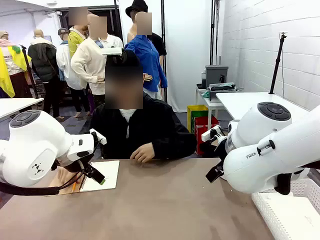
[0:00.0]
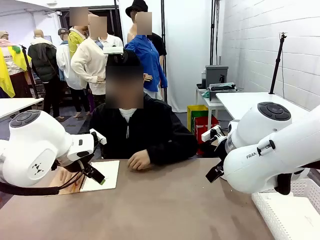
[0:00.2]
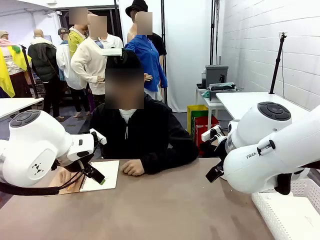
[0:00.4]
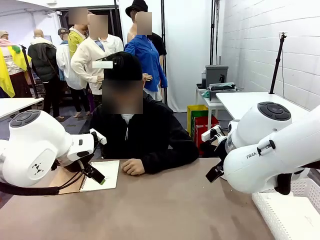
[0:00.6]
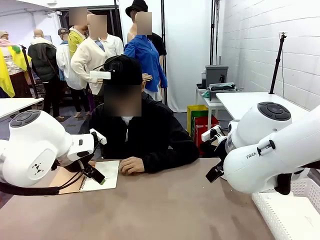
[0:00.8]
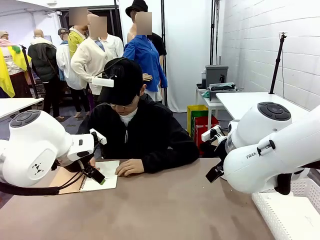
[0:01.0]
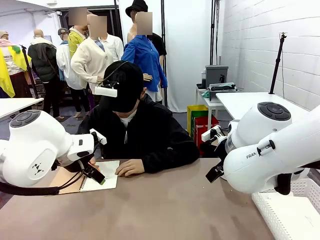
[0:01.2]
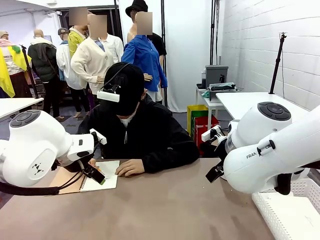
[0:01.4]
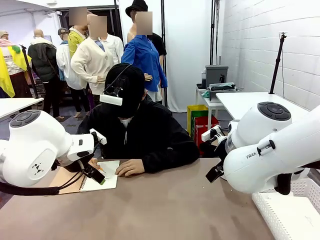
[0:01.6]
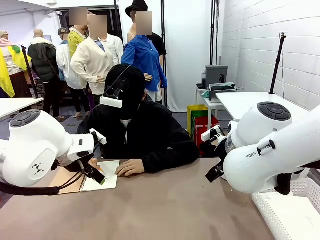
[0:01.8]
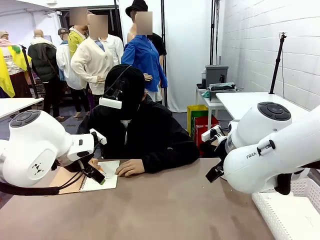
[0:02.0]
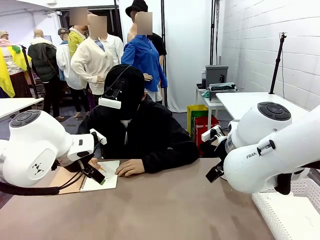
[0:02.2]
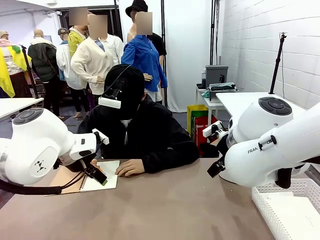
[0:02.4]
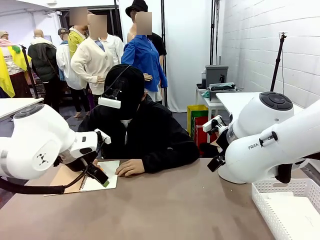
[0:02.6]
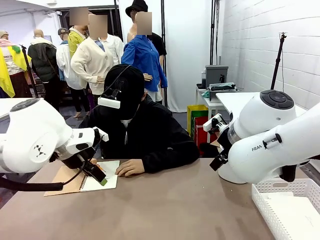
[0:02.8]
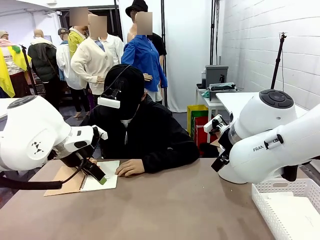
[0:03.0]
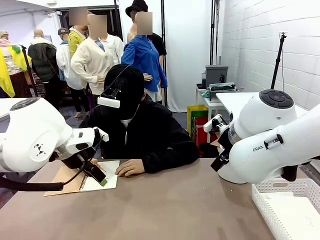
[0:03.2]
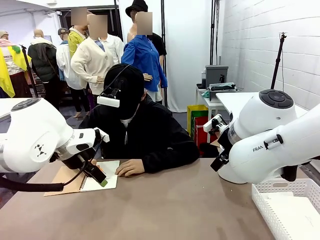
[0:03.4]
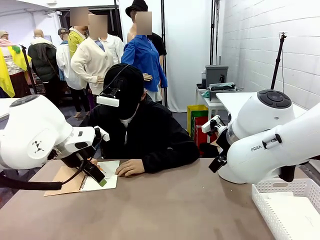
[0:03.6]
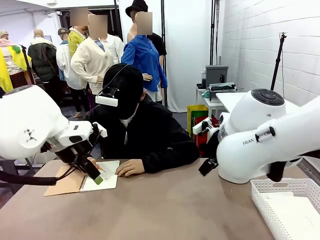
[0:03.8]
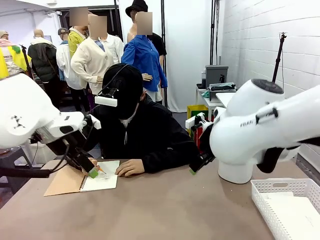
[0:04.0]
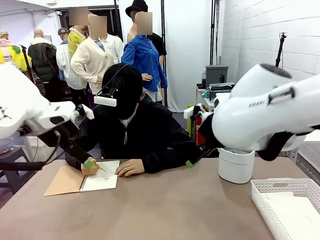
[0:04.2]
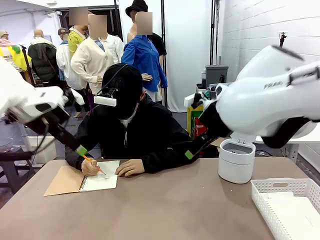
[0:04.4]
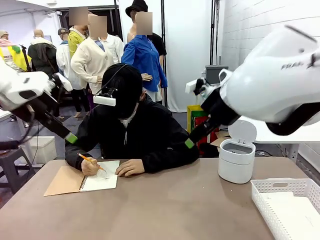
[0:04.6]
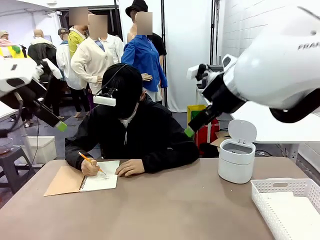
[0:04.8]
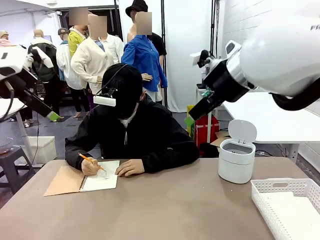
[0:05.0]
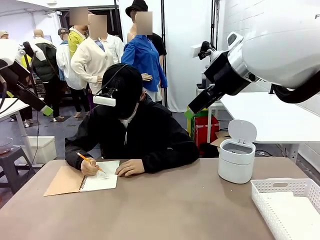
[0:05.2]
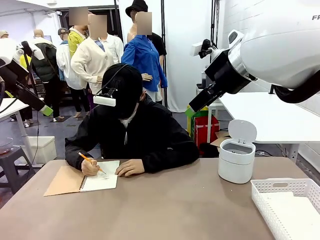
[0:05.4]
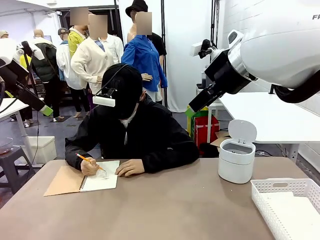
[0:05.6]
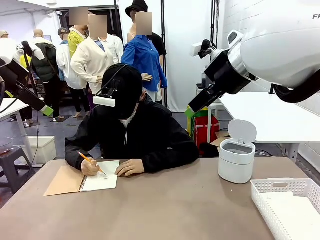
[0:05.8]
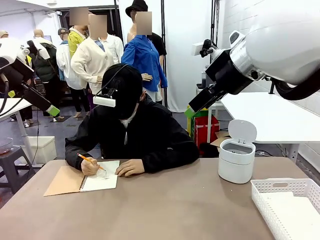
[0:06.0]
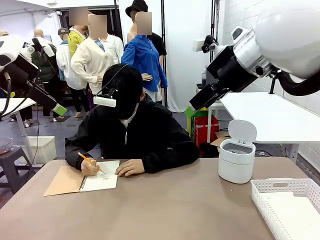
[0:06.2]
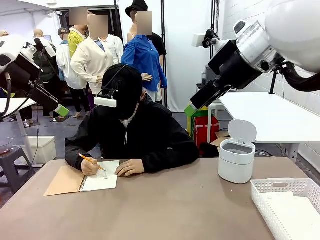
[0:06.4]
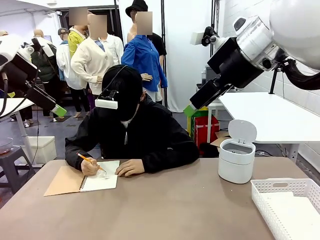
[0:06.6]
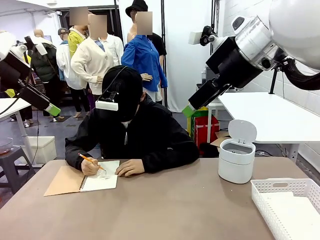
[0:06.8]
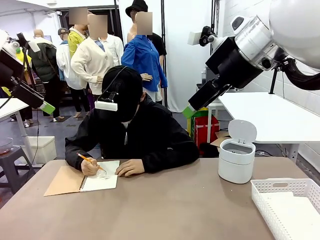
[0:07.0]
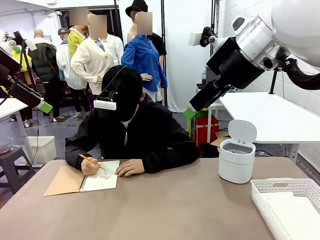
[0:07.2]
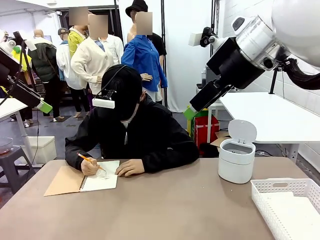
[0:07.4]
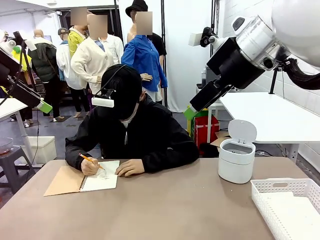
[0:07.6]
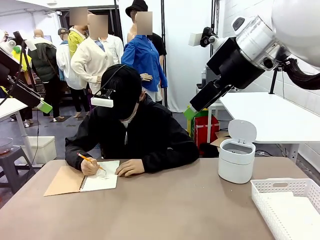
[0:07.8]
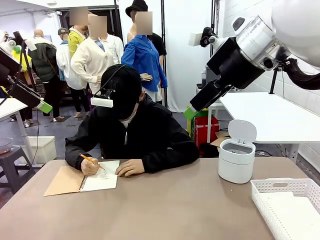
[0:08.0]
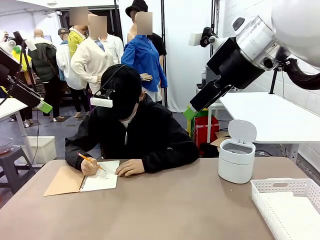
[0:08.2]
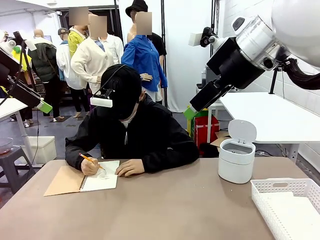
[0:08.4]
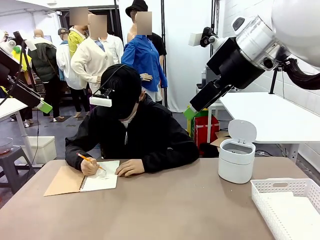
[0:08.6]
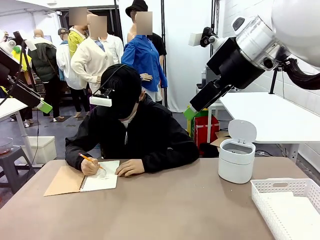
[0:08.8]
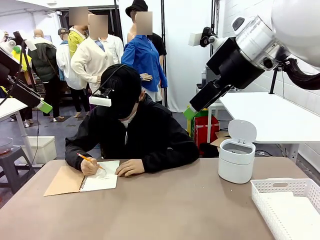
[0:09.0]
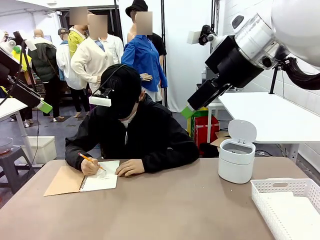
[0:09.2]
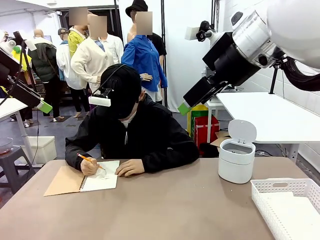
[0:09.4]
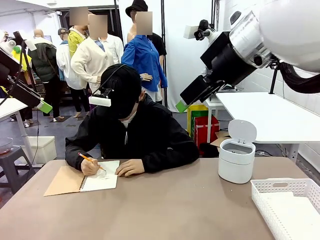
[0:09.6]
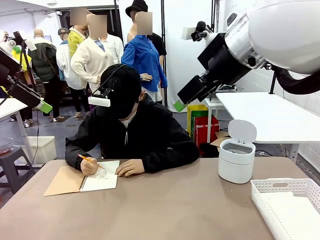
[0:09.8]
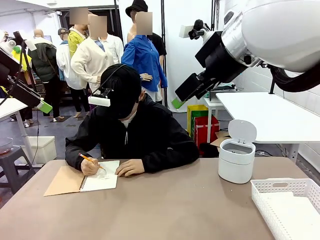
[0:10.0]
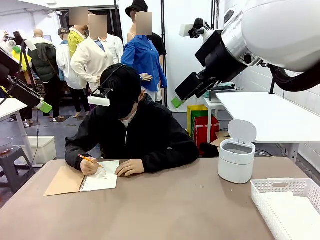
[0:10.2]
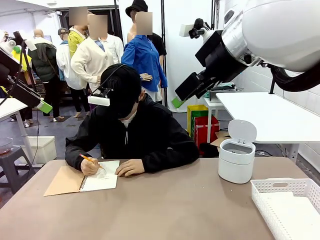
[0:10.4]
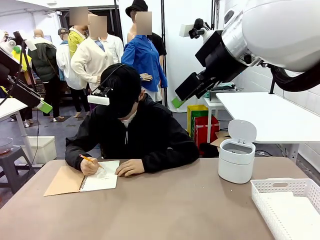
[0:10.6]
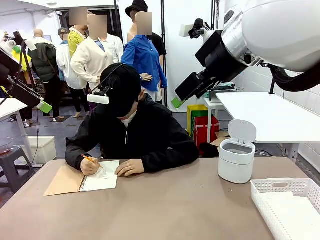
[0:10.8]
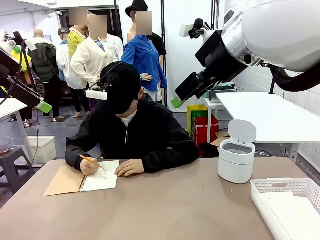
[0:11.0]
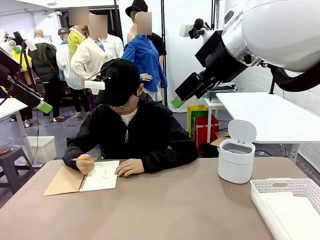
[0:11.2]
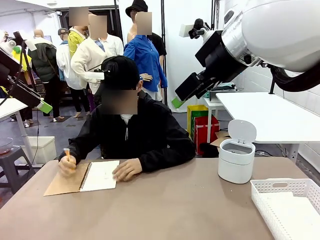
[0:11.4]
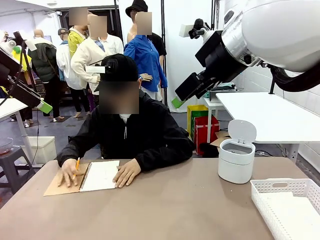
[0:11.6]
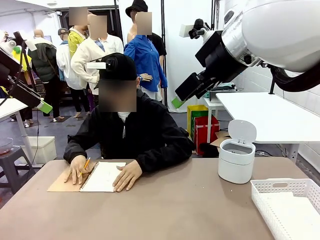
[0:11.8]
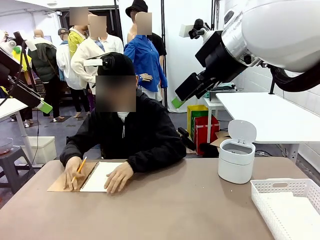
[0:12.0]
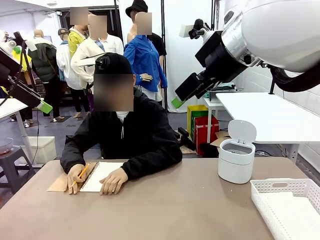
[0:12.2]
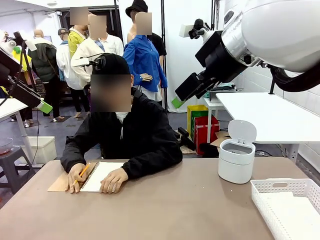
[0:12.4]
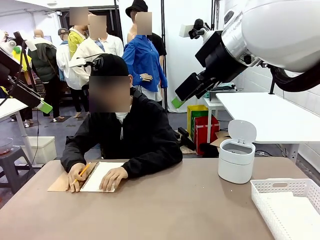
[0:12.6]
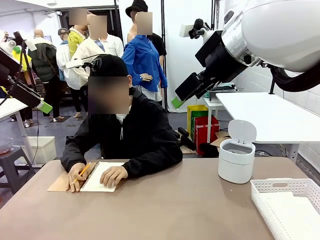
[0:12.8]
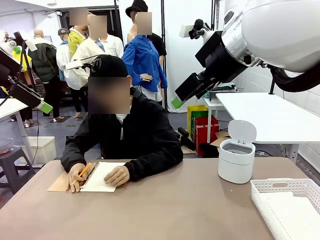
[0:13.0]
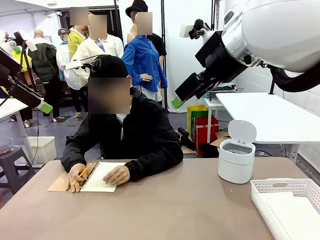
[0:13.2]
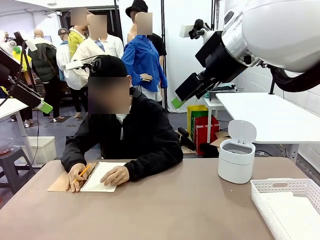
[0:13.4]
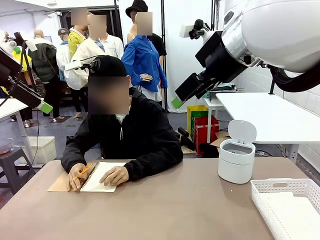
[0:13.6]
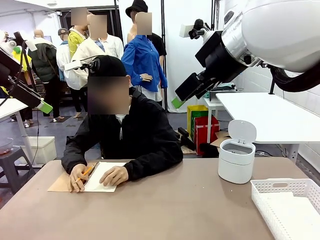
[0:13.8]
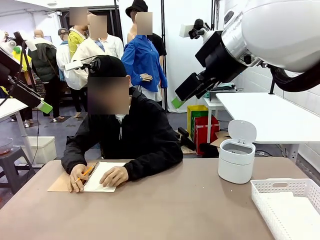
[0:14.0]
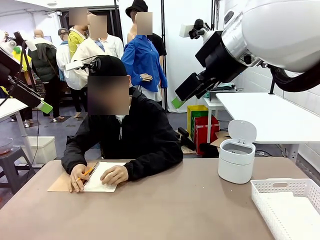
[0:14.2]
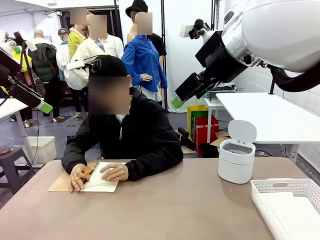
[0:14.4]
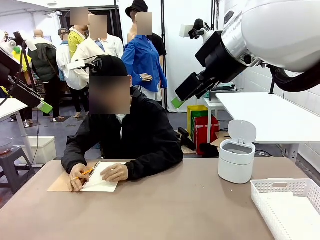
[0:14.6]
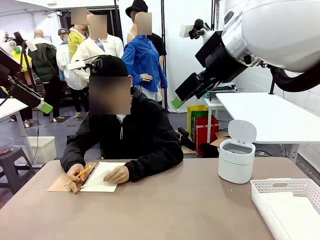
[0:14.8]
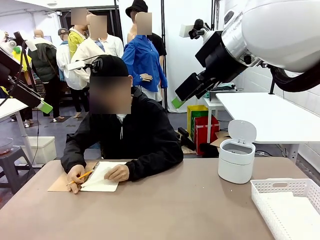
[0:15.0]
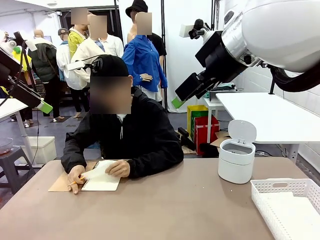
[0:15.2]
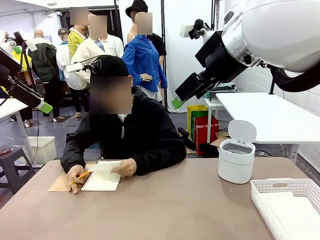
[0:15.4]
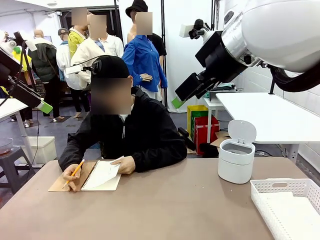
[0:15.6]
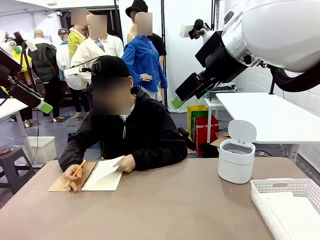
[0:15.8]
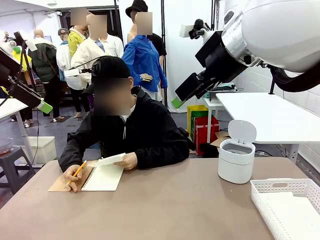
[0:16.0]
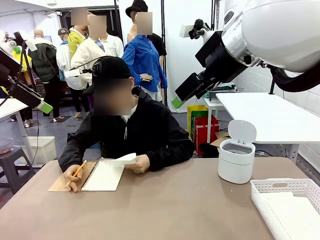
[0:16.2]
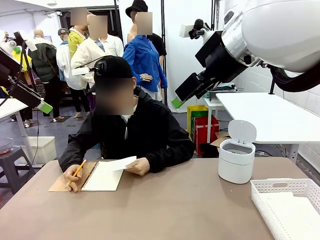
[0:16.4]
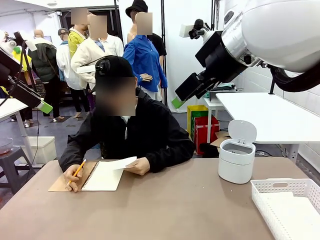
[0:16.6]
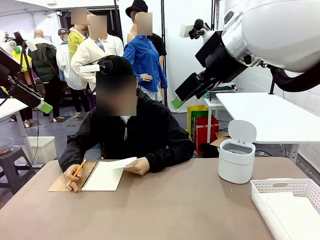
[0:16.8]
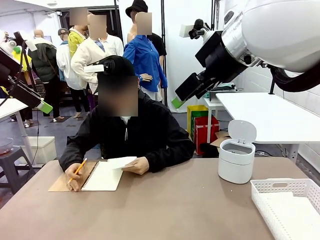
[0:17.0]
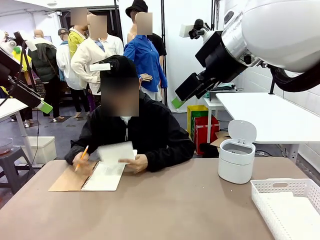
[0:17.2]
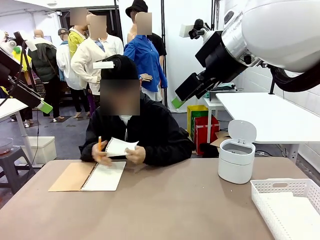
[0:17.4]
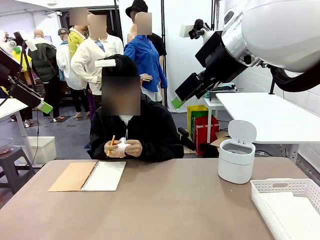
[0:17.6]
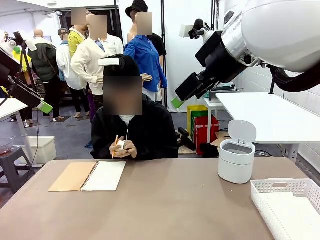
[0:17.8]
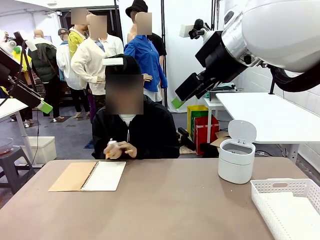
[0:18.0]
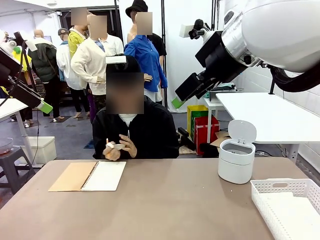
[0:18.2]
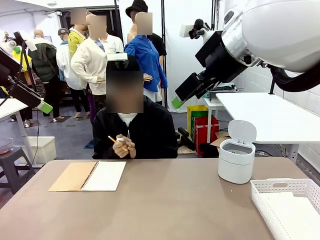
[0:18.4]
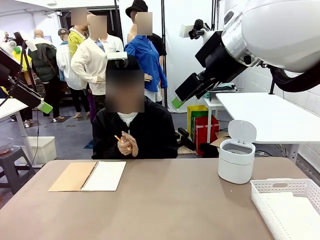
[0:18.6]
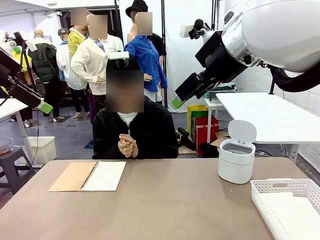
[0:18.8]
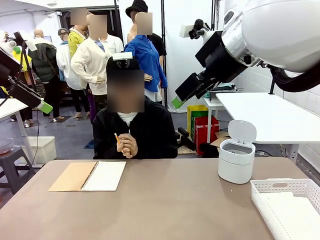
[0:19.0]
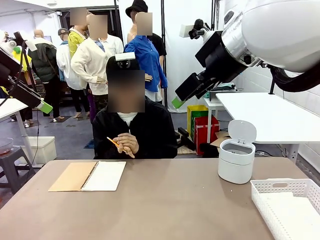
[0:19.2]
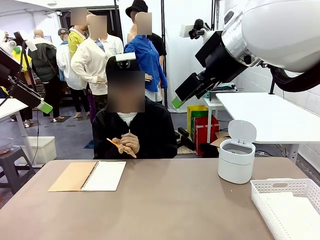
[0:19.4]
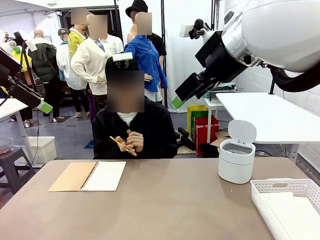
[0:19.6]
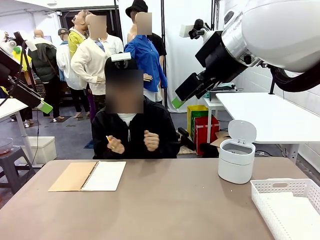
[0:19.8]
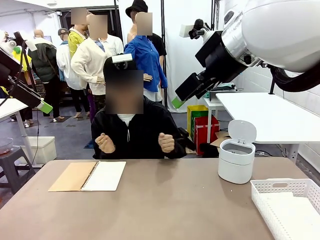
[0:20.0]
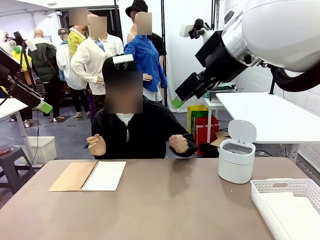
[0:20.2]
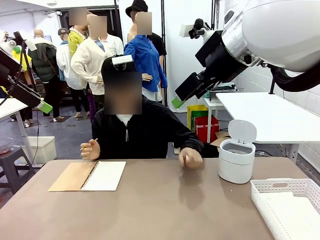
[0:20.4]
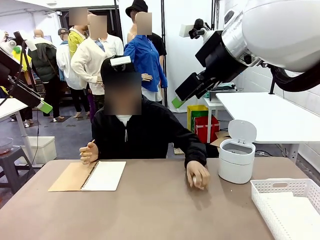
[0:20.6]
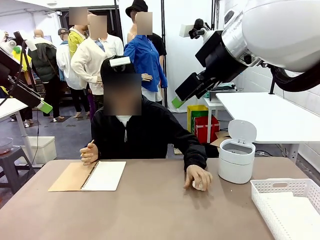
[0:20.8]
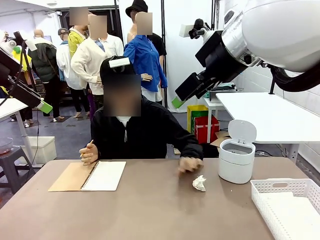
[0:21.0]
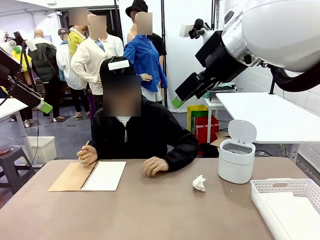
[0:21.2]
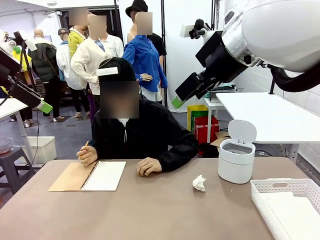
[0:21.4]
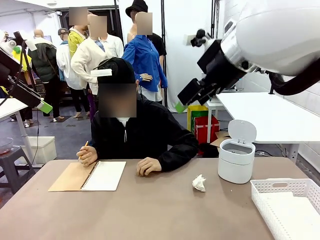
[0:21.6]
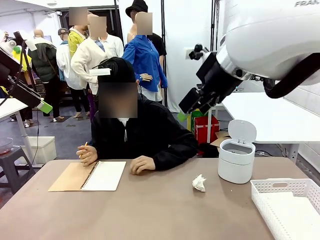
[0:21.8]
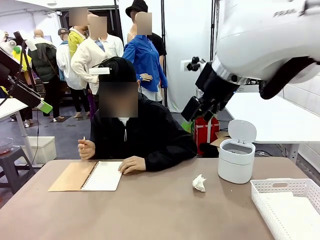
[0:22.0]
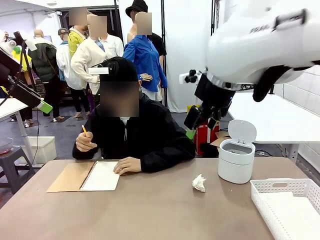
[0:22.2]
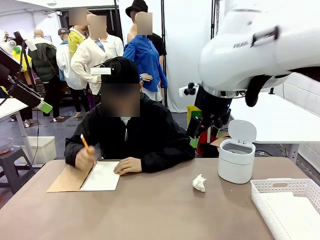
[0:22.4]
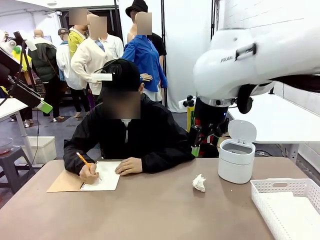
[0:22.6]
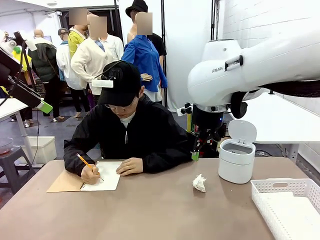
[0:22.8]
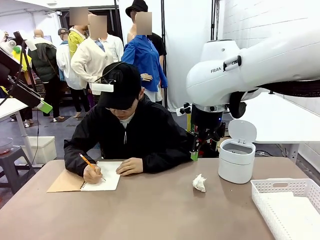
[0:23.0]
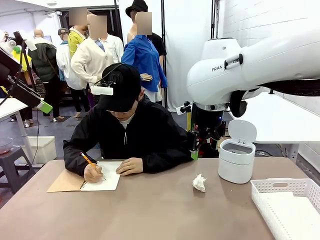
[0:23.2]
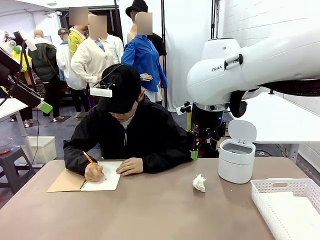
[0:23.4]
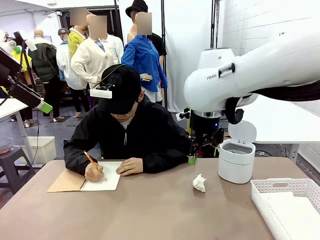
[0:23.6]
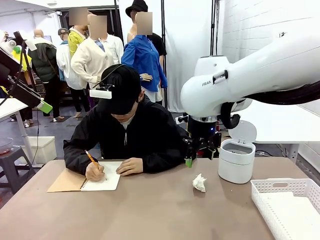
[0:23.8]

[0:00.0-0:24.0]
Task: Sort the paper based on its condition.
Robot: If a person hands you a paper, place it in the Organizing basket , and if it's crumpled, put it in the Trash can.
Person: Tear out a page from the spiral notebook. Hand the torn page to the robot or crumple it and throw it to the center of the table.
